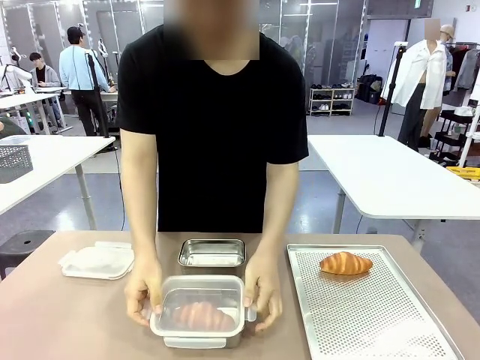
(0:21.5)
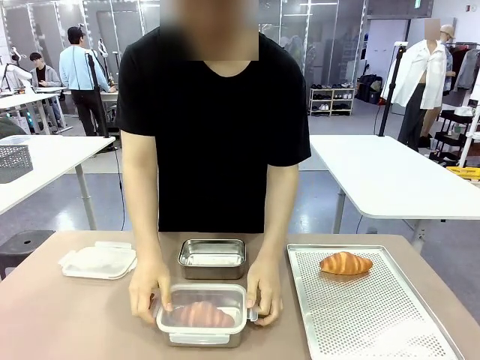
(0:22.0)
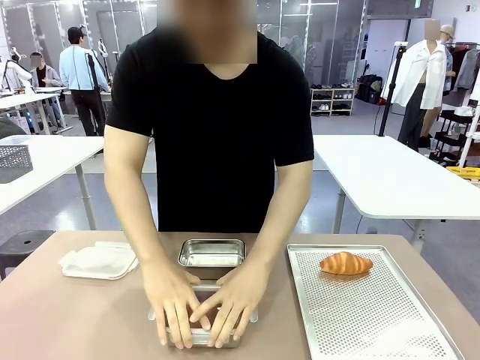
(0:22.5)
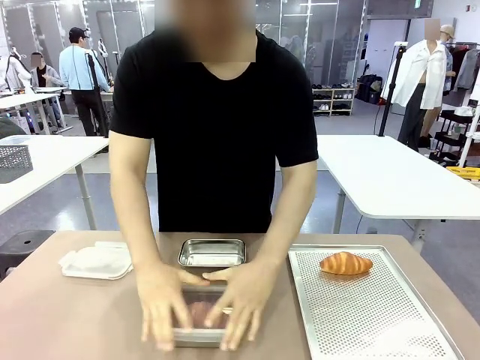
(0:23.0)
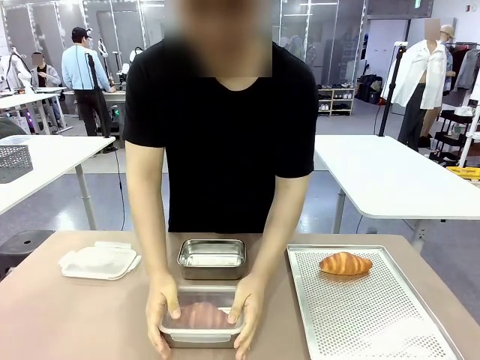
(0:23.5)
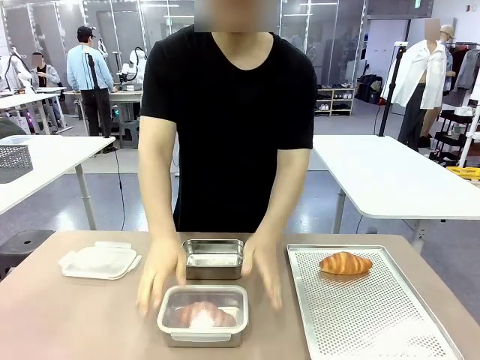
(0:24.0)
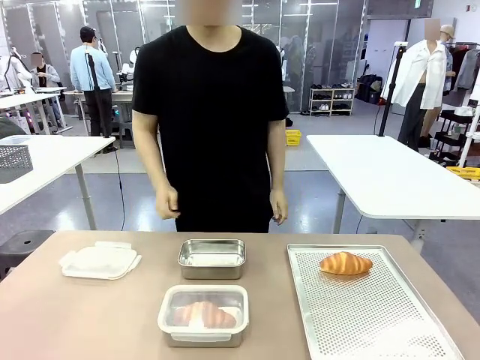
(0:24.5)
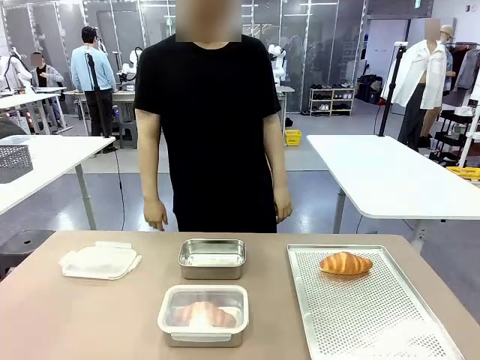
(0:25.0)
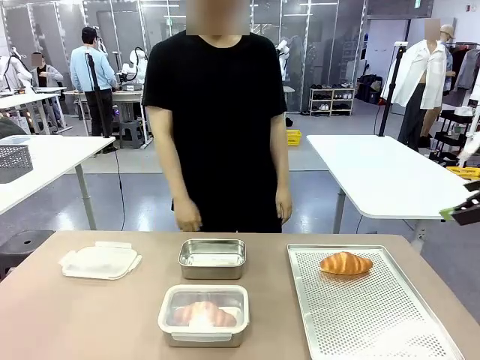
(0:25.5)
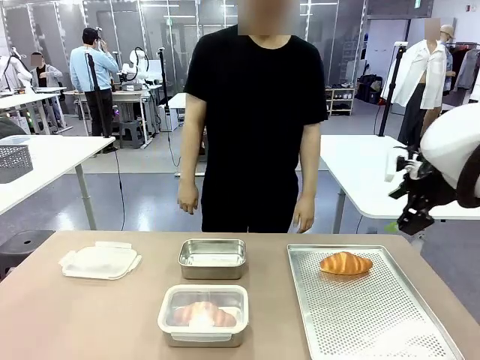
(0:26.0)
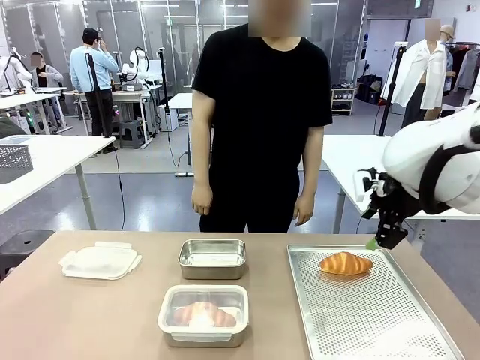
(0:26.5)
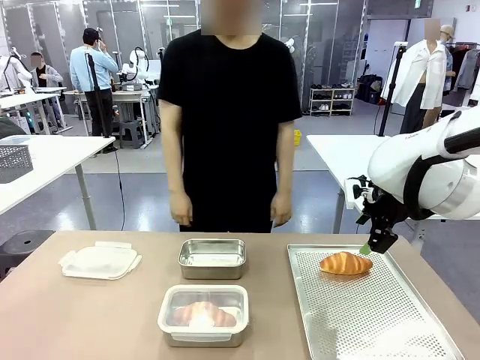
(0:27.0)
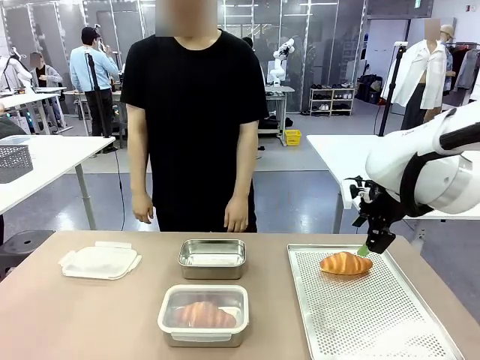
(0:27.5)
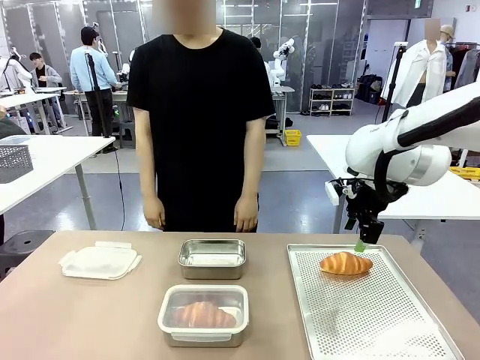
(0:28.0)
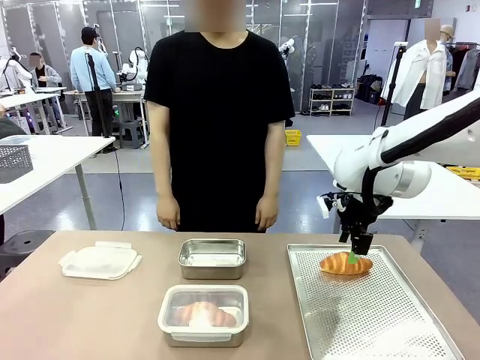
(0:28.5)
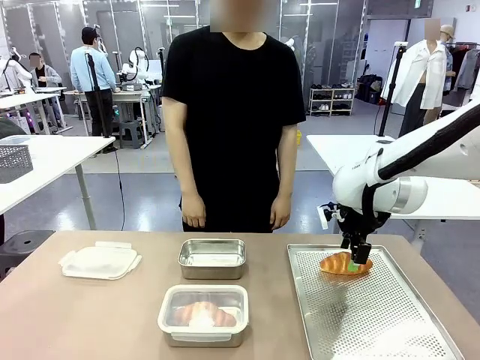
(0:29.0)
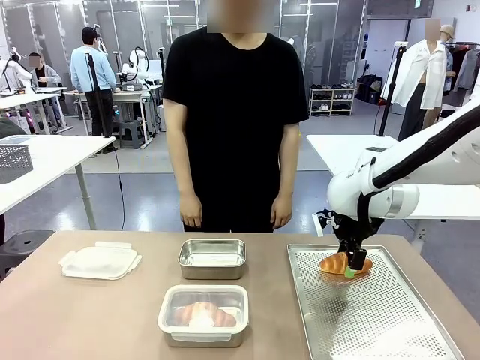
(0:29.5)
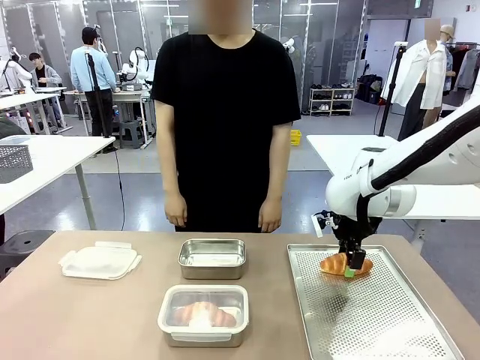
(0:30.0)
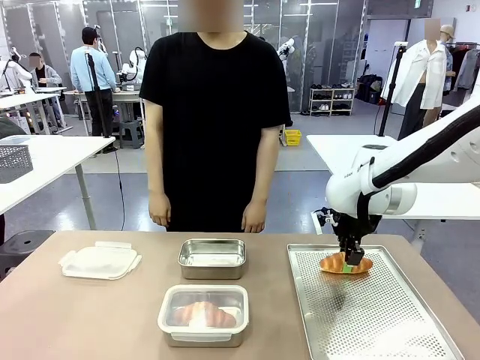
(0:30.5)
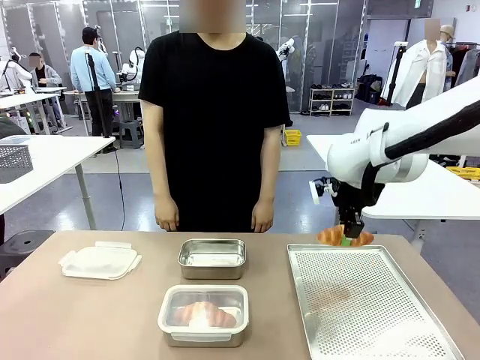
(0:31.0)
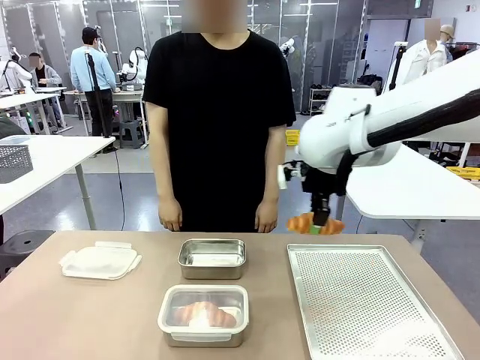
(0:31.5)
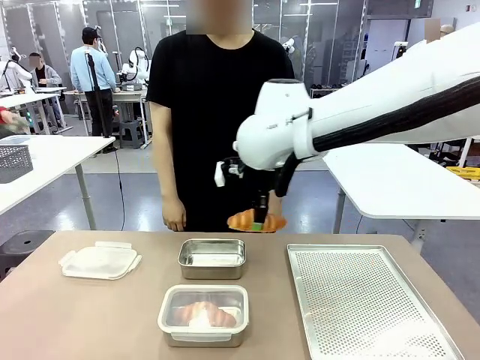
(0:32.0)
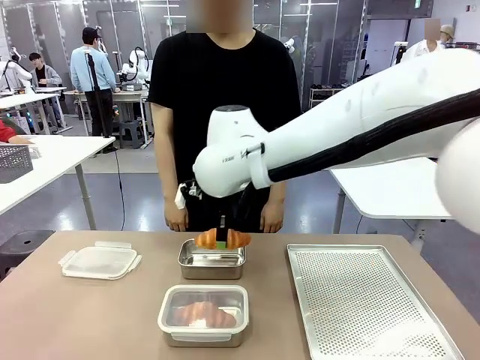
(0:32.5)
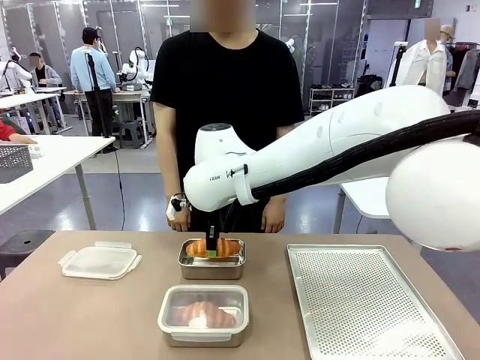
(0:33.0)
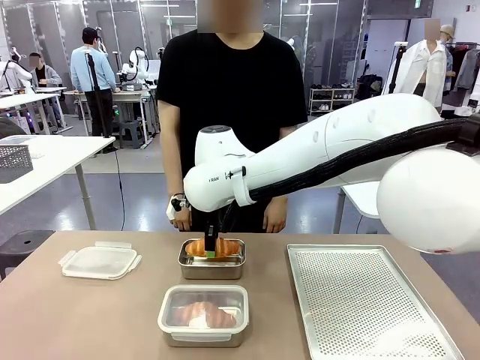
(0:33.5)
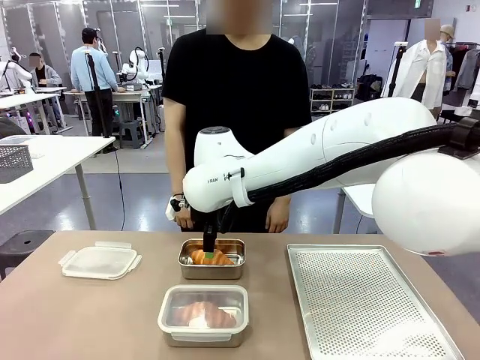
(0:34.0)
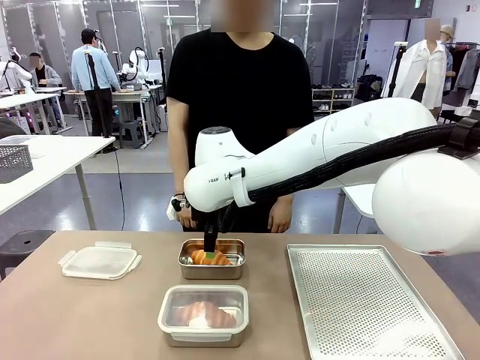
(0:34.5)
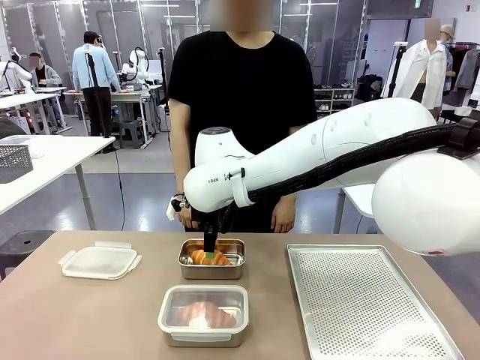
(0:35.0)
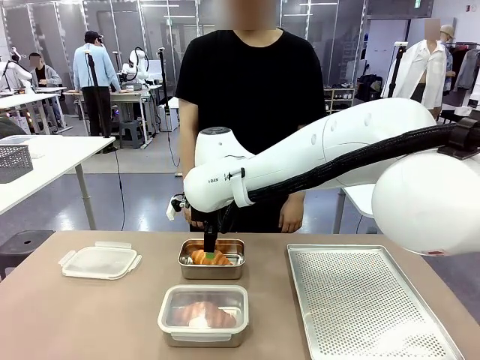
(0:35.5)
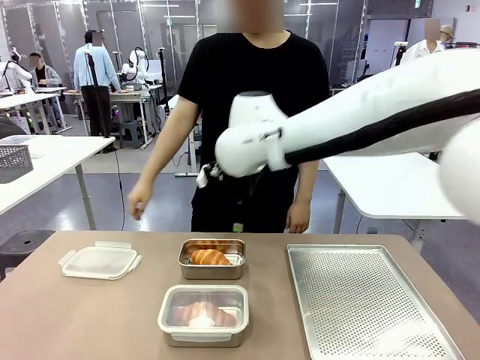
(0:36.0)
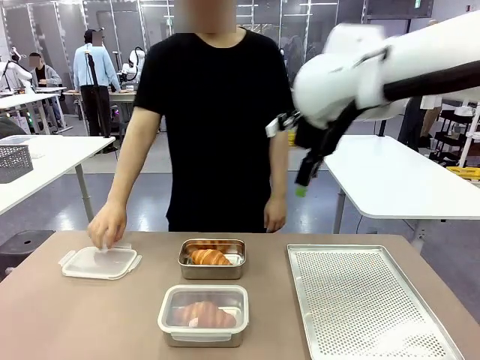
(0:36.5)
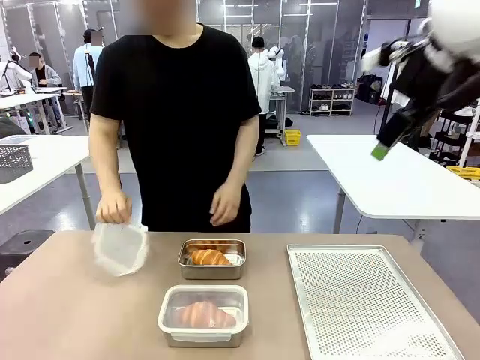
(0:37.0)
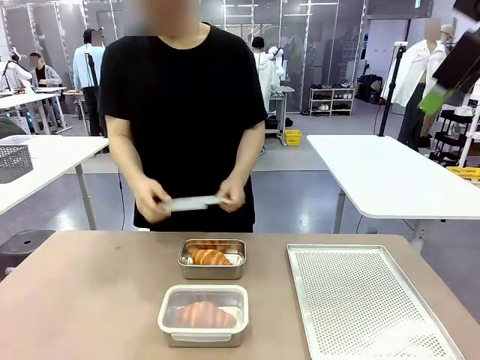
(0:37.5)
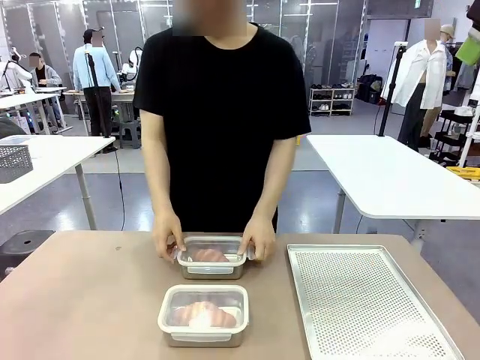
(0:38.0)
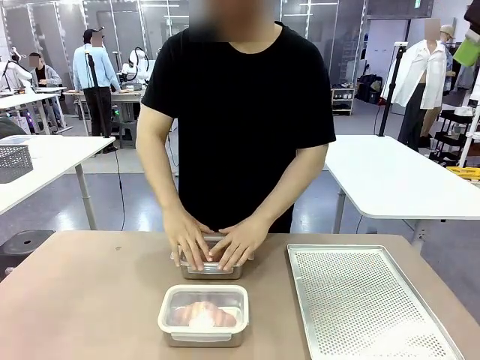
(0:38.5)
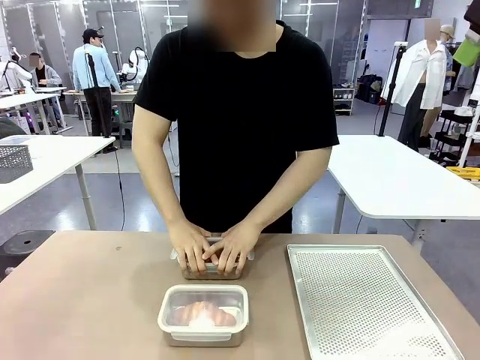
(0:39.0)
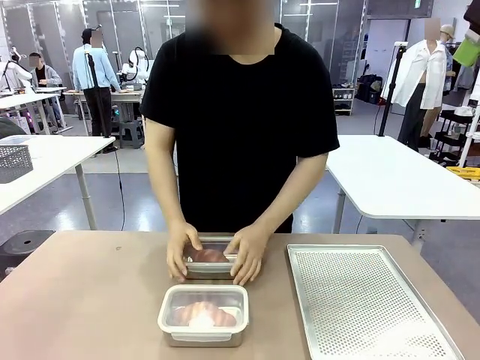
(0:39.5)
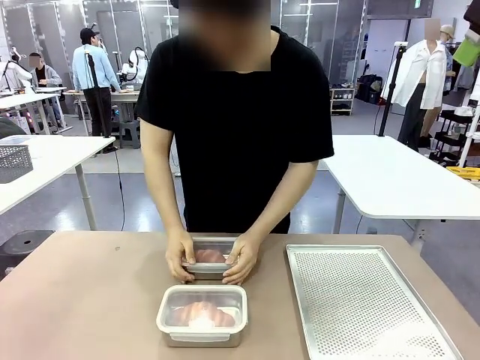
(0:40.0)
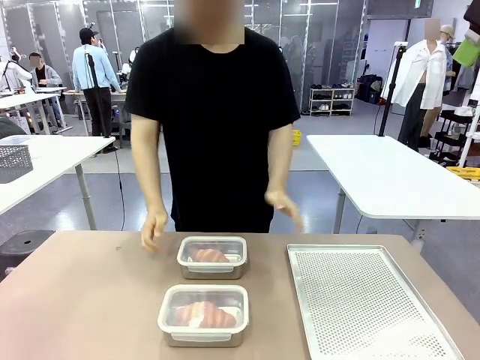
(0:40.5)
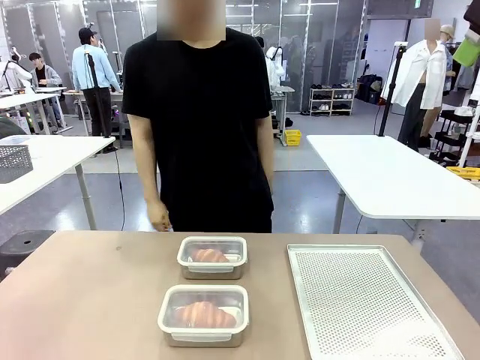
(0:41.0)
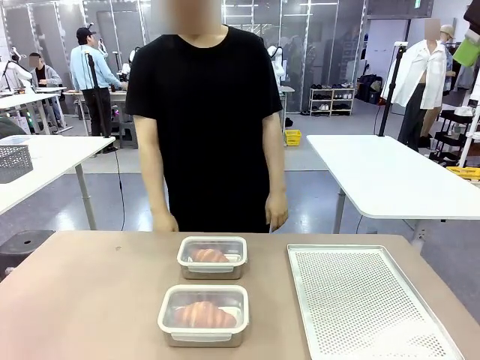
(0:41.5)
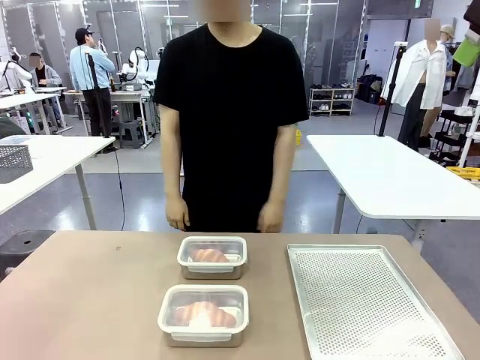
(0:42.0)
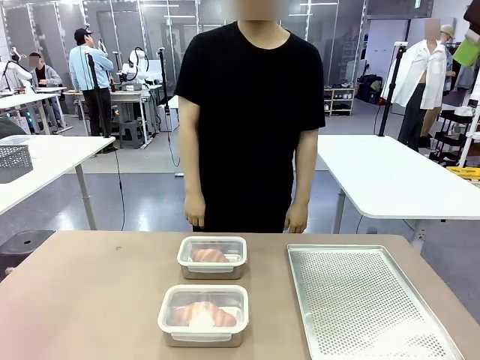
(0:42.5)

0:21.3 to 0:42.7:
Task: Place the bread into the airtight container.
Robot: Pick up a Butter Roll and place it into an empty Airtight Container.
Person: Once a Butter Roll is inside an Airtight Container , close the lid of that Airtight Container.
